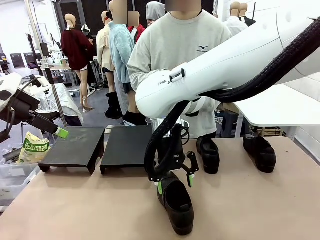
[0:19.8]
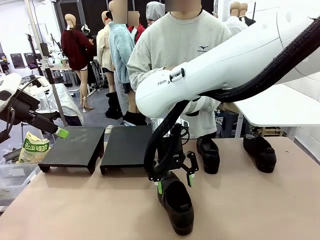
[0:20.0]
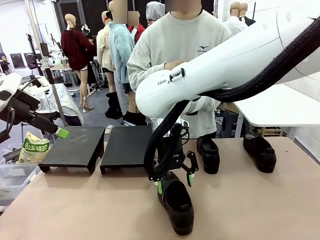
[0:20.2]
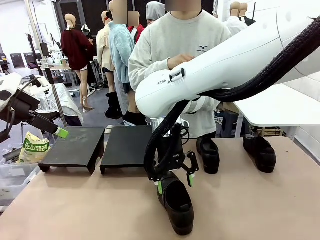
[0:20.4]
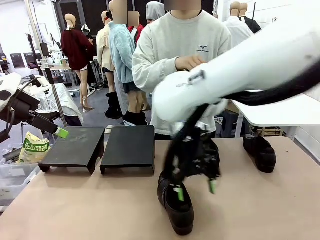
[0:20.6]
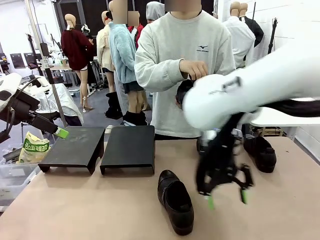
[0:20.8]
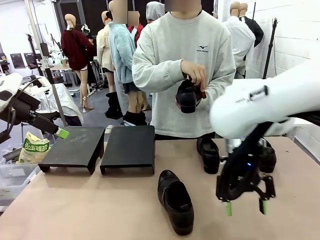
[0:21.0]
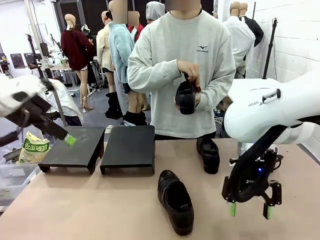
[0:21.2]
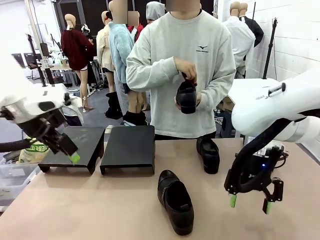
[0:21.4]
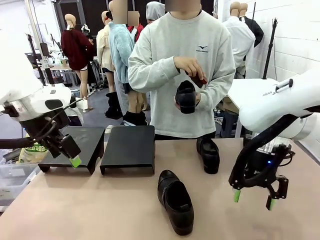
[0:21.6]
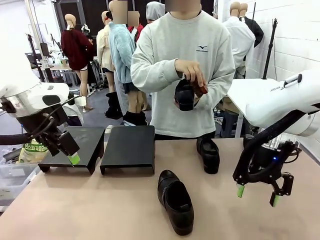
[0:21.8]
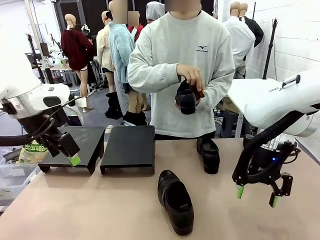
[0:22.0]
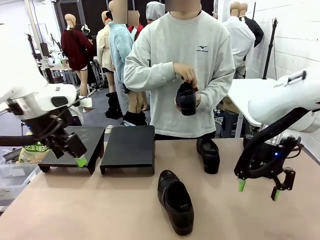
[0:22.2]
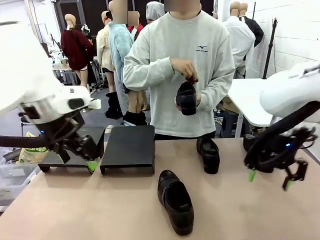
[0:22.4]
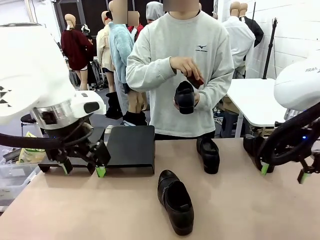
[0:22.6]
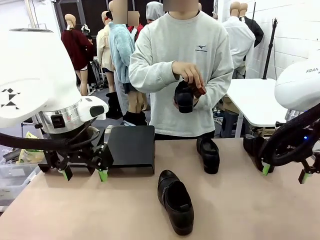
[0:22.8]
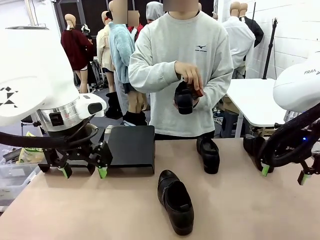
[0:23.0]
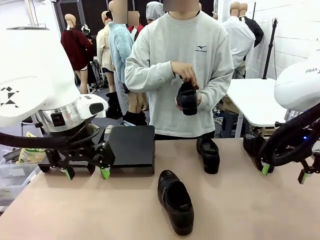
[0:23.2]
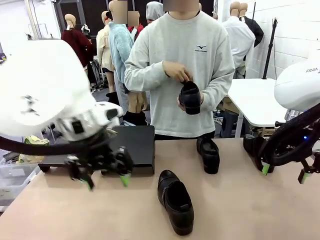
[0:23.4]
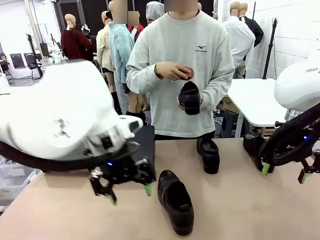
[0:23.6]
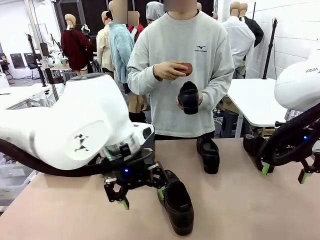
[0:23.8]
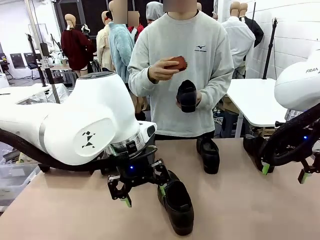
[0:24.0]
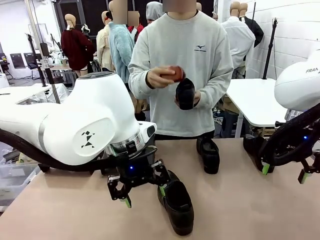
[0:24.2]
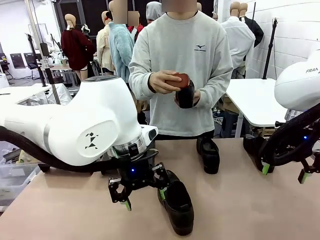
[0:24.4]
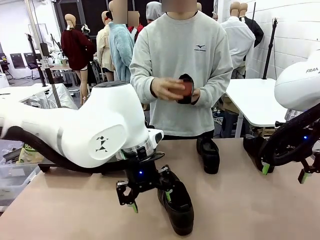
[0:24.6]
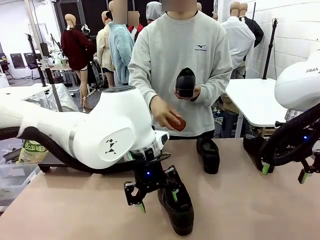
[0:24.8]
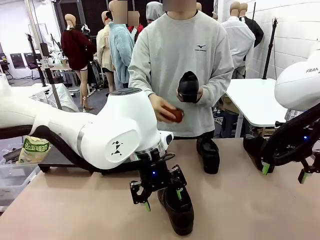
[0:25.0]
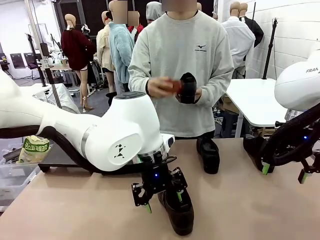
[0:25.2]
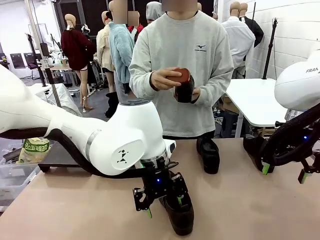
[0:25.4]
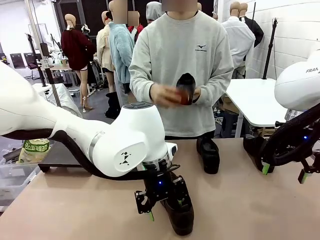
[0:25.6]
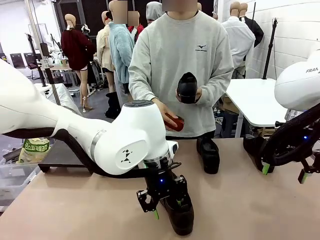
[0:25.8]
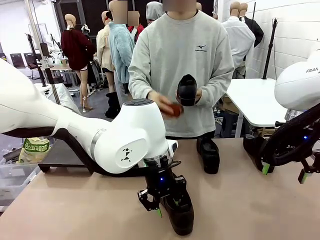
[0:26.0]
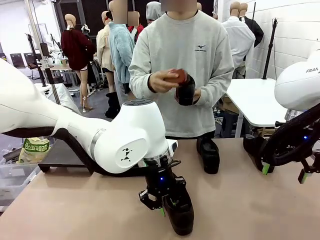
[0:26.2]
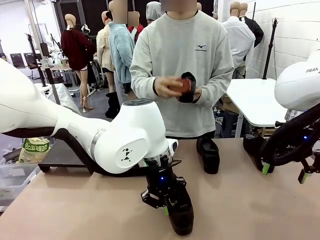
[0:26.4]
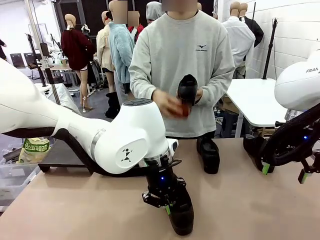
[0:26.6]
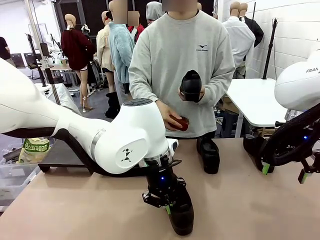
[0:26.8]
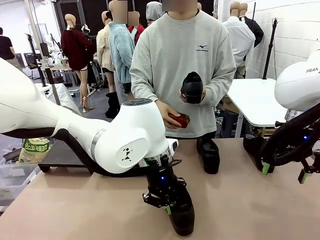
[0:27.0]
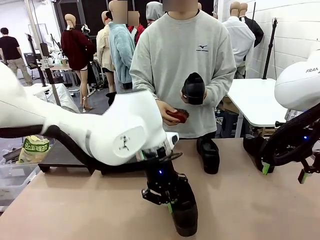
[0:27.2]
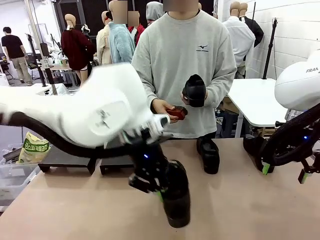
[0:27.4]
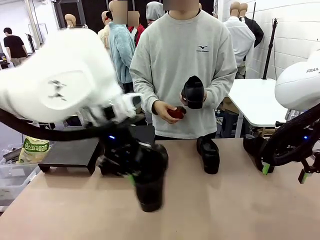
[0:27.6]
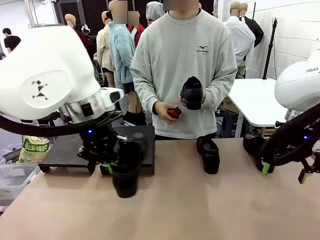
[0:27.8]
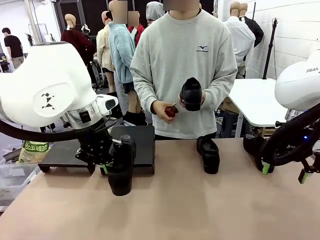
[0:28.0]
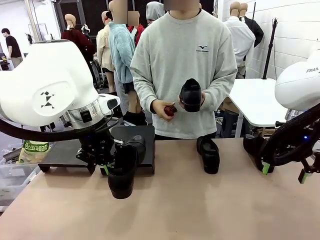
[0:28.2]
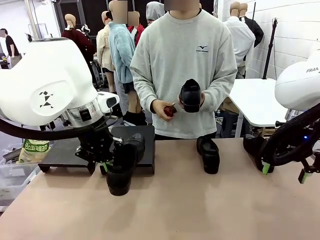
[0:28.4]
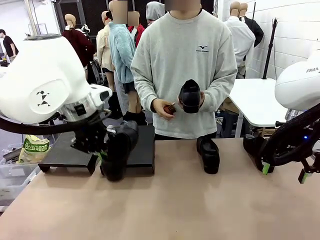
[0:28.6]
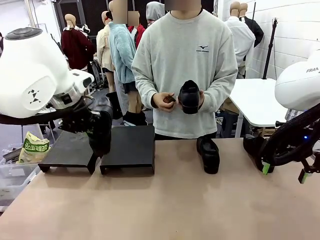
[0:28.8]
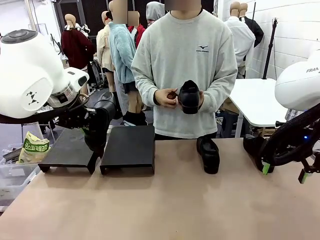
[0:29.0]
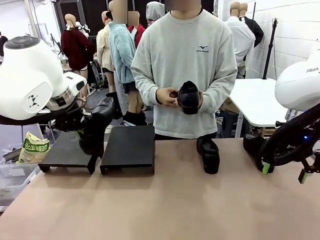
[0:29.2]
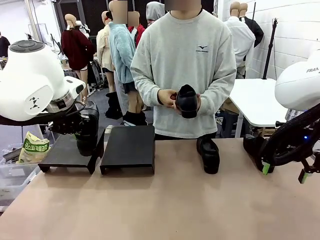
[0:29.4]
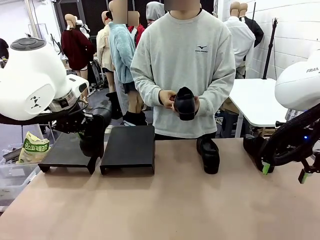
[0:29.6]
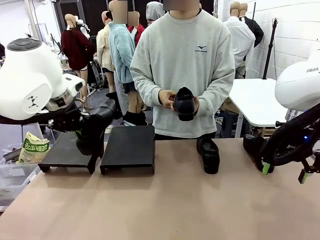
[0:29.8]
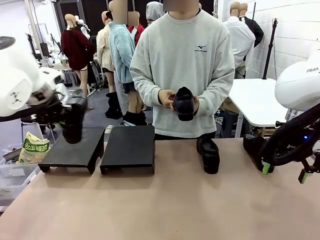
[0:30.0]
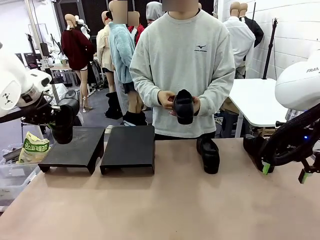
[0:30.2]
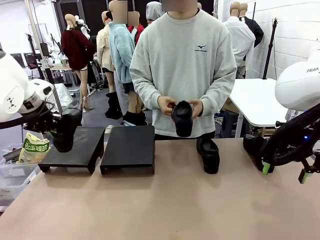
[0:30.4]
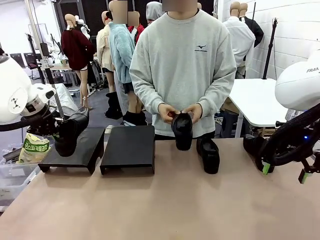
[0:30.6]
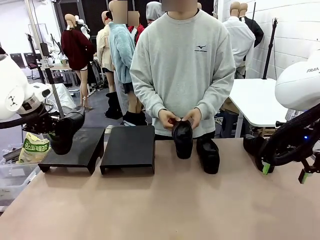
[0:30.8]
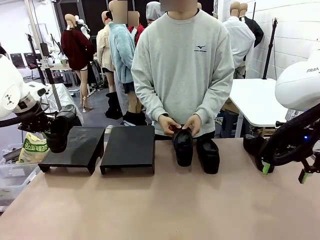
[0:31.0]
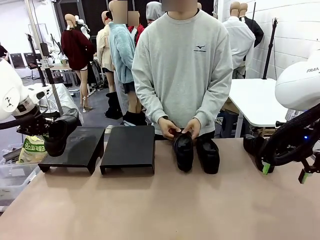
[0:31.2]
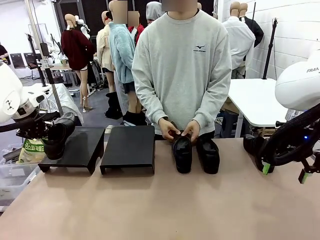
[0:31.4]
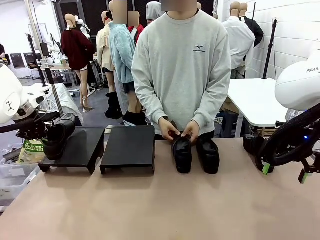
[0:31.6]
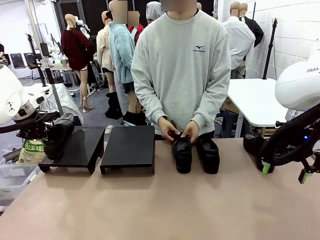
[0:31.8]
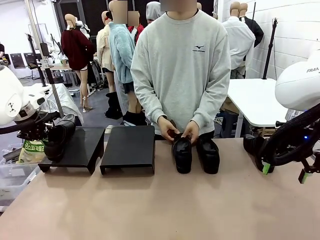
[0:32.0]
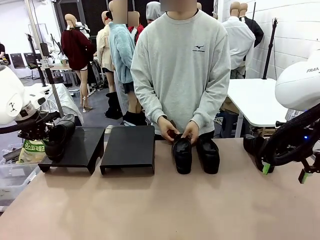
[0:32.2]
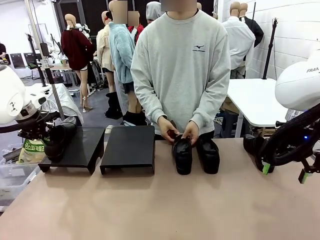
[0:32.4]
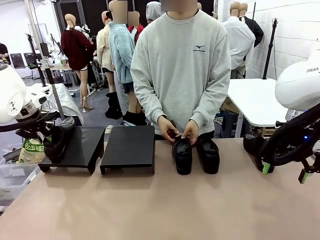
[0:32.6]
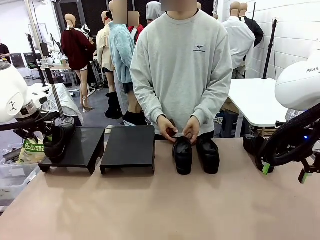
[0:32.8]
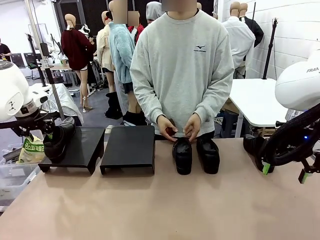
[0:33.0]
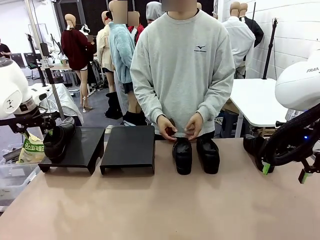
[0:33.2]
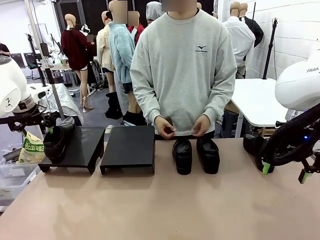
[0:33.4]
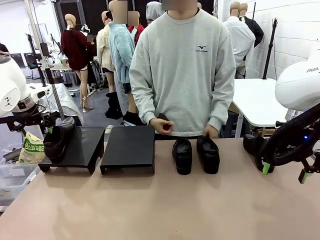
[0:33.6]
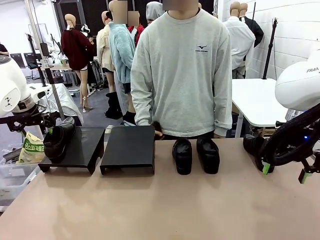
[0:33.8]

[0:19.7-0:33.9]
Task: Organize the shoes by placing them on the stand.
Robot: Place the Shoe from the middle of the table onto the Shoes Stand.
Person: Place the Shoe on left side of the Robot's table.

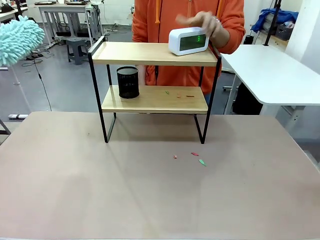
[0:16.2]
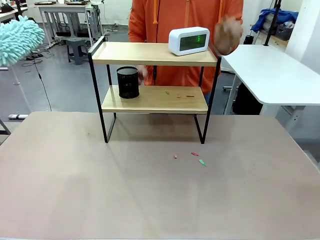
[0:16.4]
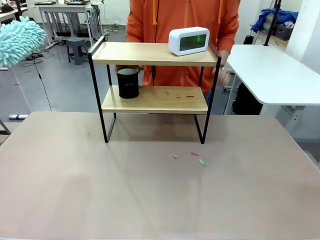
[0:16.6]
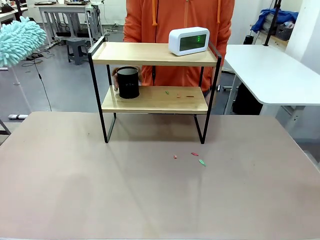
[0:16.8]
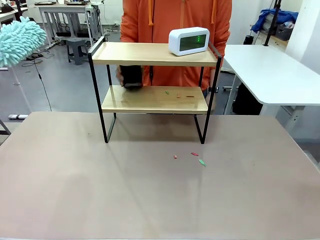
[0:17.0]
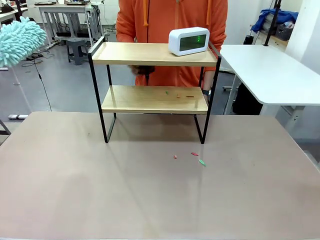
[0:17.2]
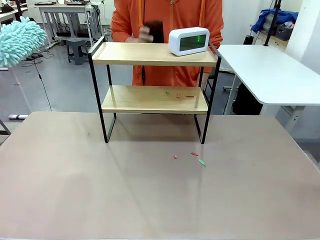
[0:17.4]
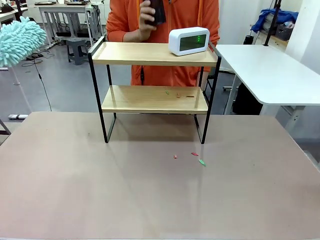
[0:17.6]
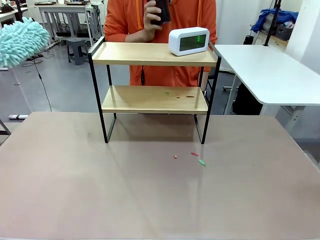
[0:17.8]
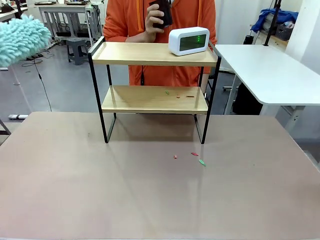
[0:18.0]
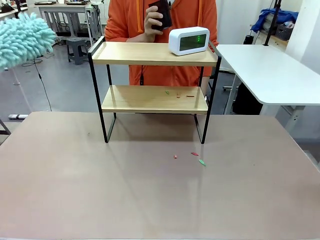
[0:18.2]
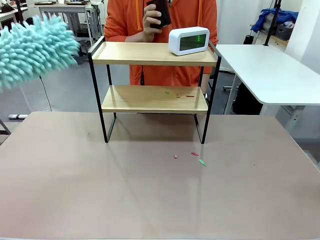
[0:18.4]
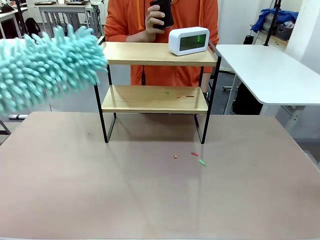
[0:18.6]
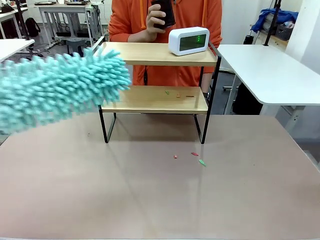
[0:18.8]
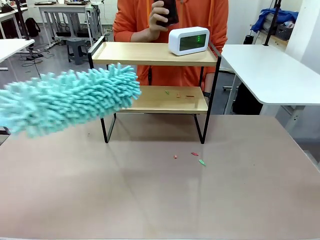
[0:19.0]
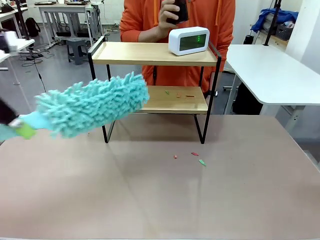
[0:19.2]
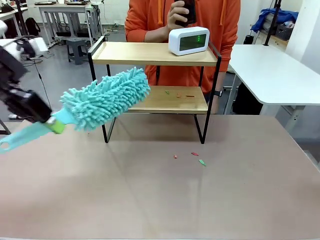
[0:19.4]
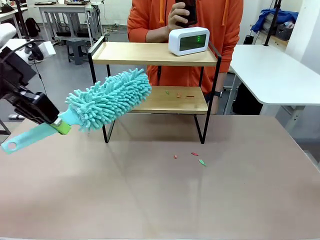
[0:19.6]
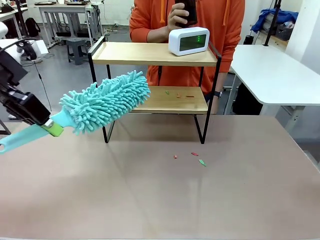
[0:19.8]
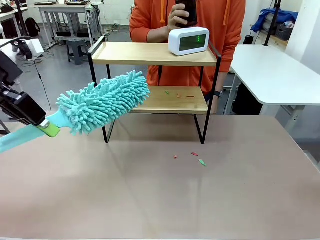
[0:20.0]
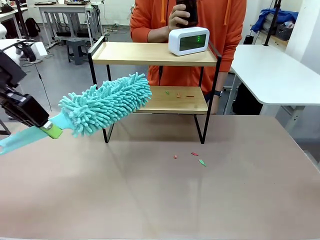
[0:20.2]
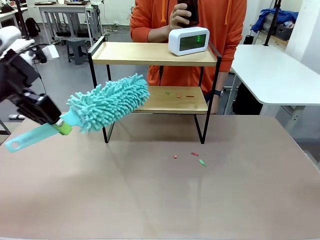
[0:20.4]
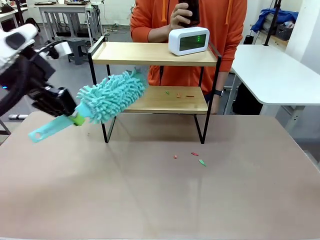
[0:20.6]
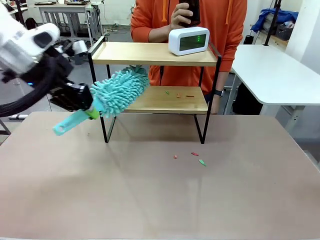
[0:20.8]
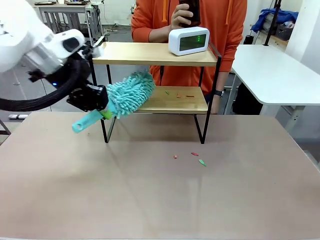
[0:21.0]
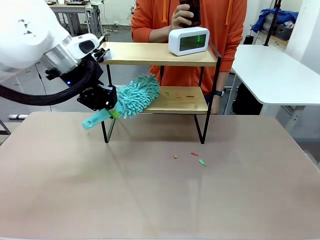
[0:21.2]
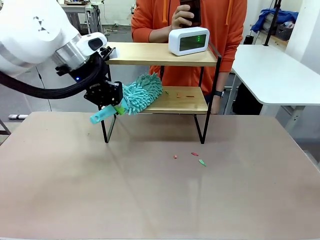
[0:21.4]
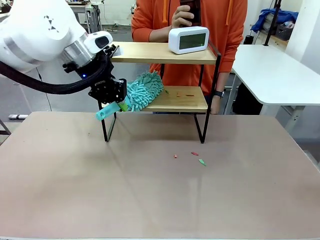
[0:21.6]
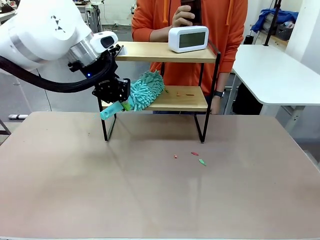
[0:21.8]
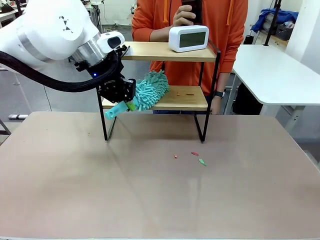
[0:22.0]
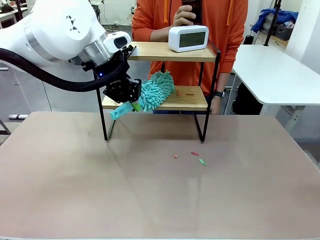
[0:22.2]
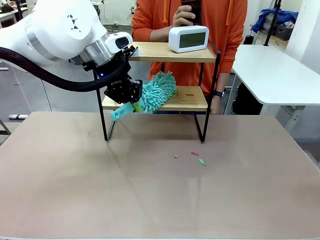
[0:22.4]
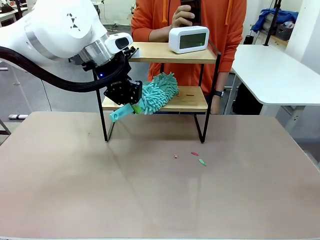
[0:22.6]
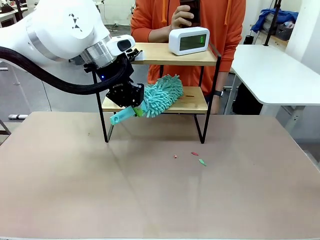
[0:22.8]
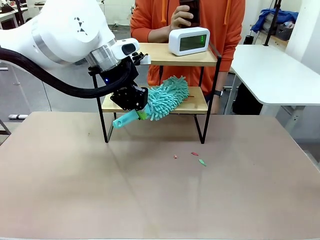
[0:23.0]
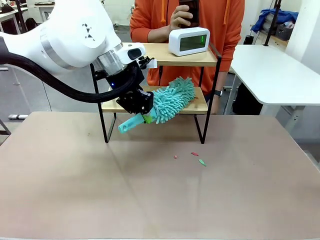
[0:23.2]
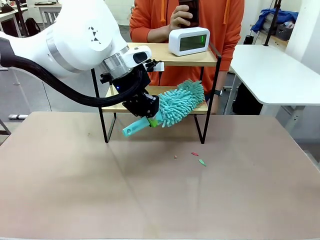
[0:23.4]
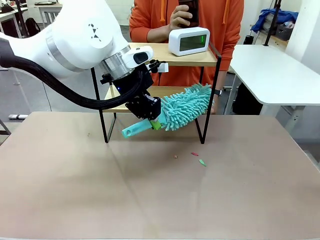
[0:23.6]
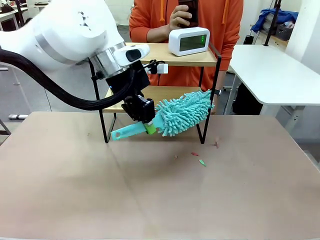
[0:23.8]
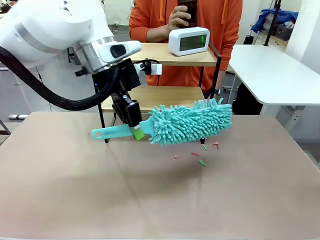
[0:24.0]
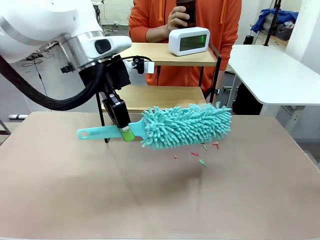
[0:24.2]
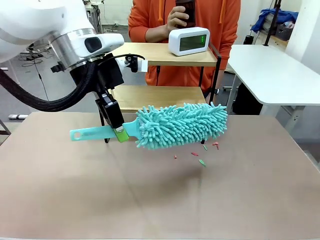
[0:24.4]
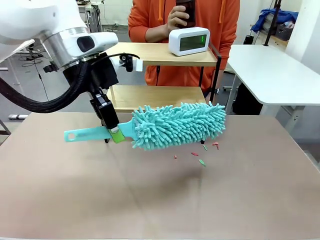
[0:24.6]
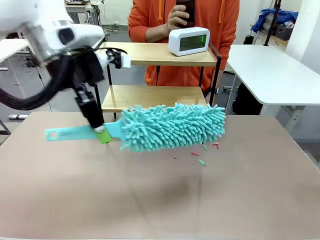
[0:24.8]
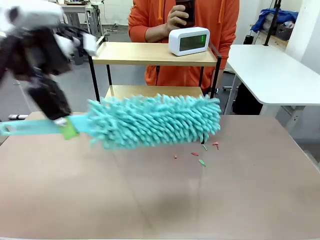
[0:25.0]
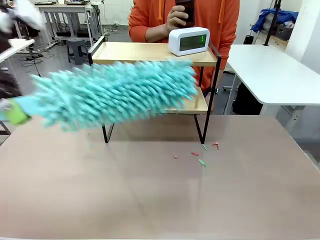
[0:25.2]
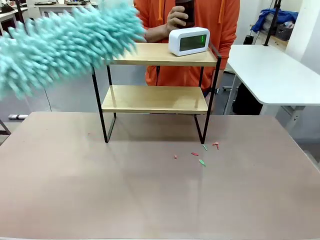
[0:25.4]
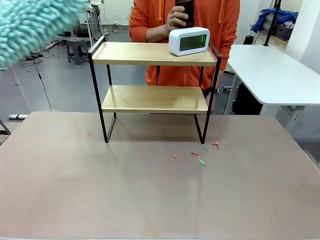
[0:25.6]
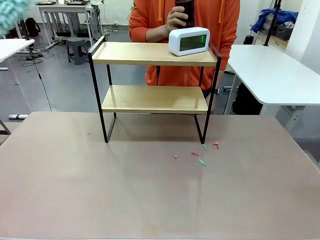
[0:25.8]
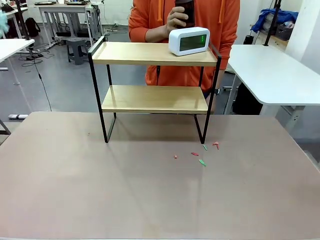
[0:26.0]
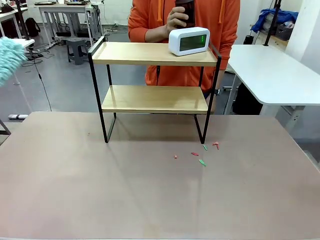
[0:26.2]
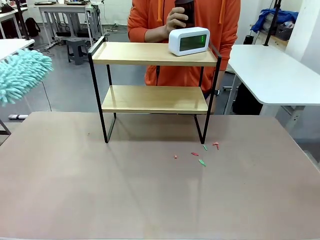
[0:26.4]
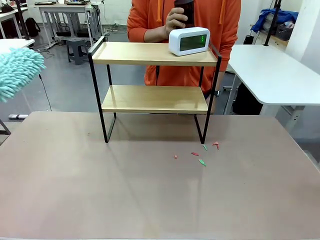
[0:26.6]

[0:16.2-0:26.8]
Task: Clean the shelf.
Robot: Clean the remaining tier of the Shelf with the Duster once objects are removed.
